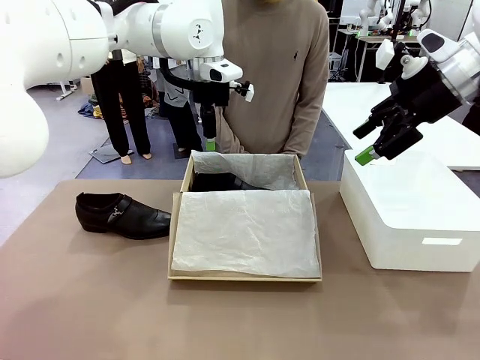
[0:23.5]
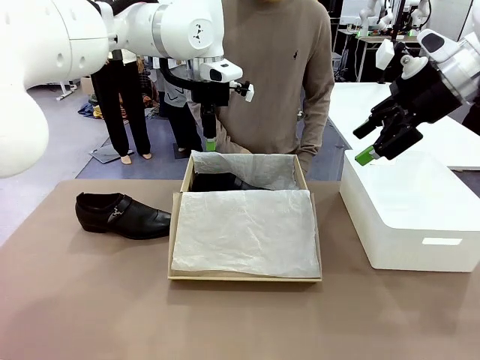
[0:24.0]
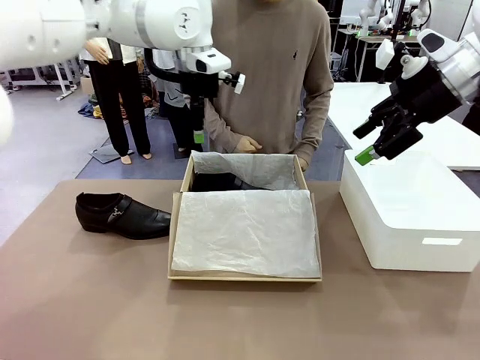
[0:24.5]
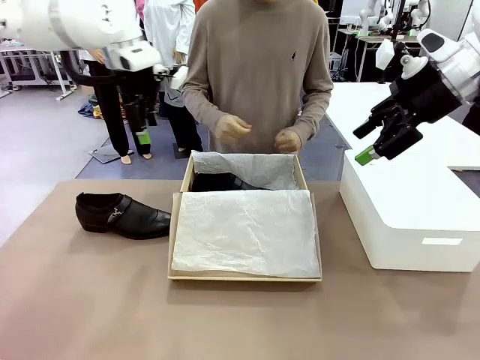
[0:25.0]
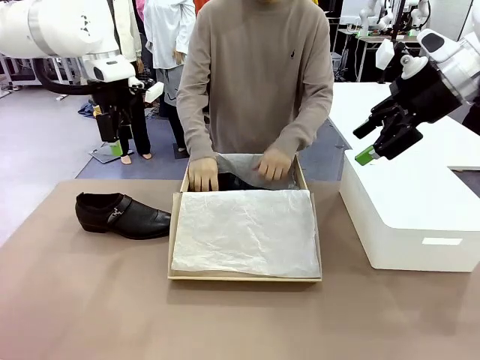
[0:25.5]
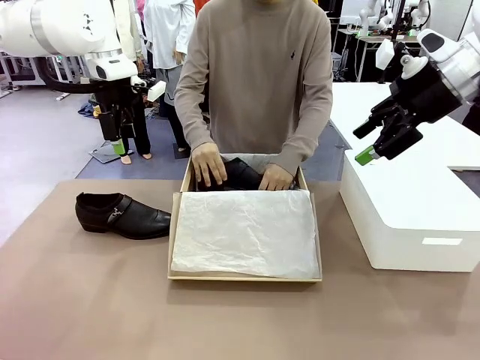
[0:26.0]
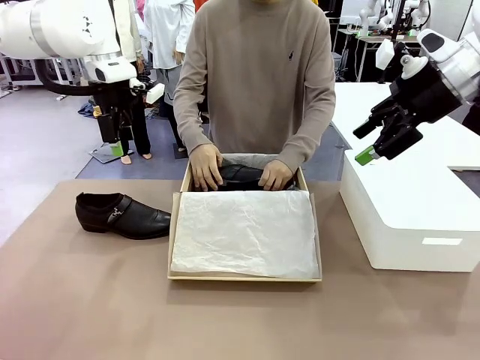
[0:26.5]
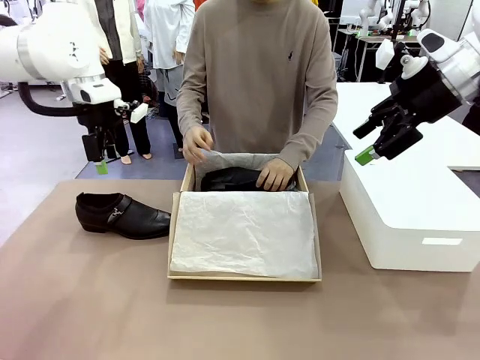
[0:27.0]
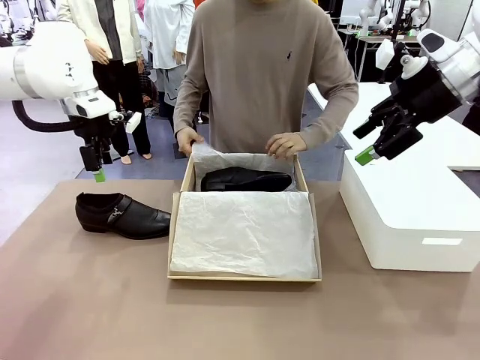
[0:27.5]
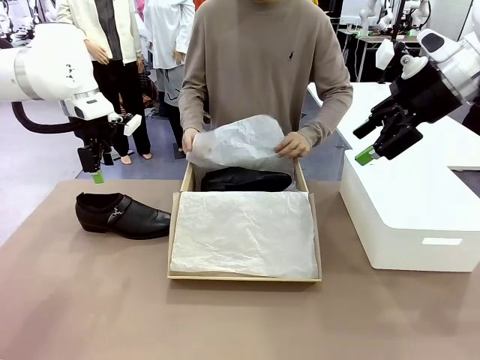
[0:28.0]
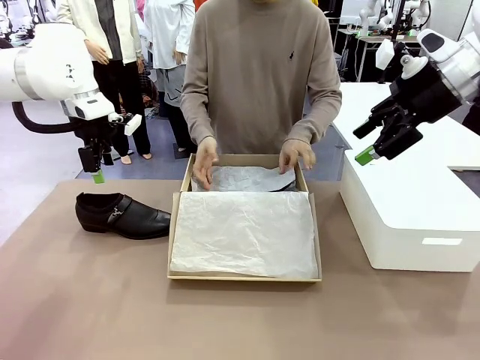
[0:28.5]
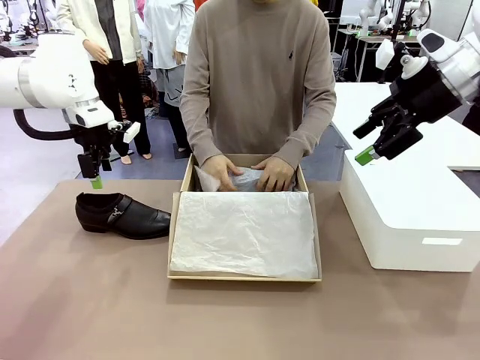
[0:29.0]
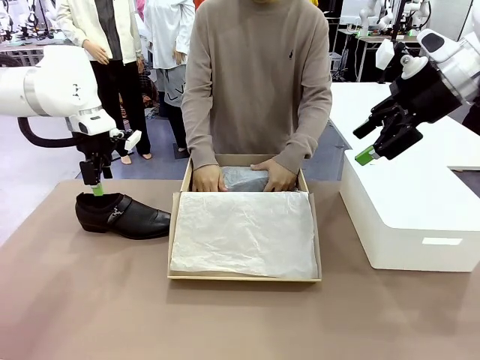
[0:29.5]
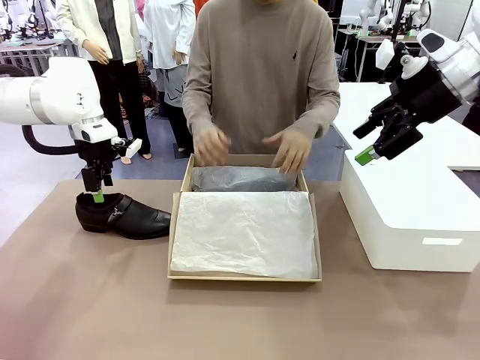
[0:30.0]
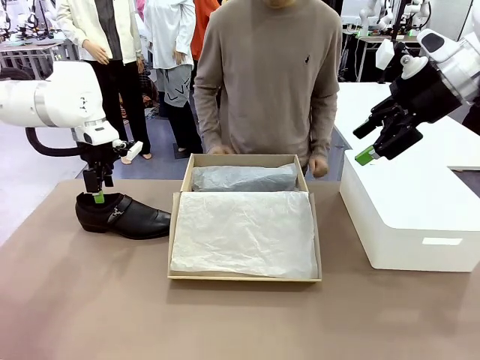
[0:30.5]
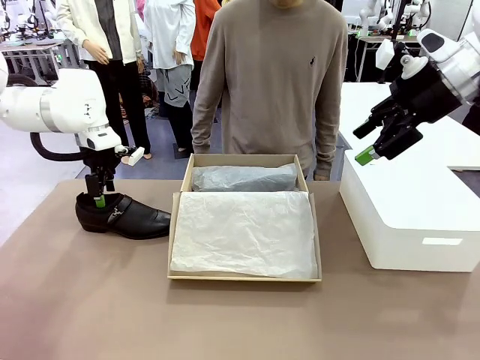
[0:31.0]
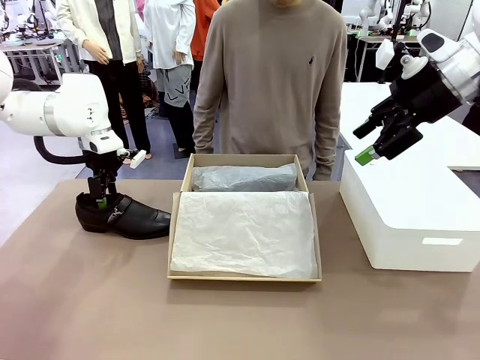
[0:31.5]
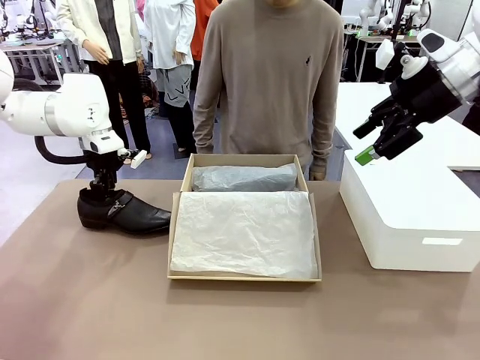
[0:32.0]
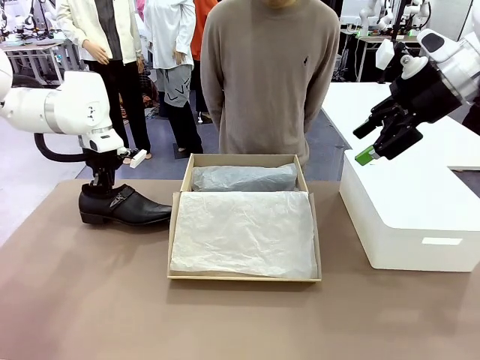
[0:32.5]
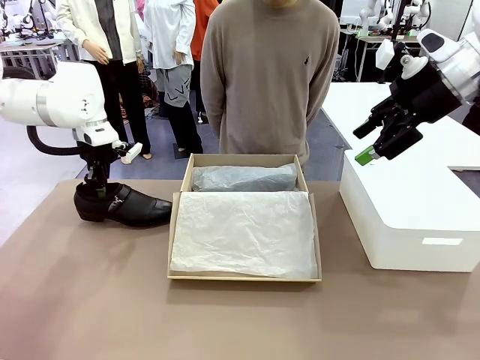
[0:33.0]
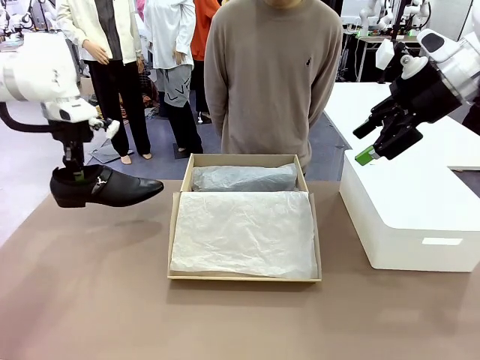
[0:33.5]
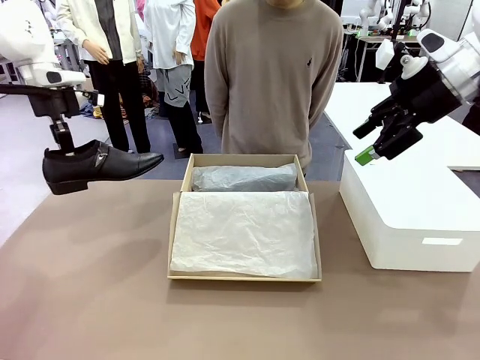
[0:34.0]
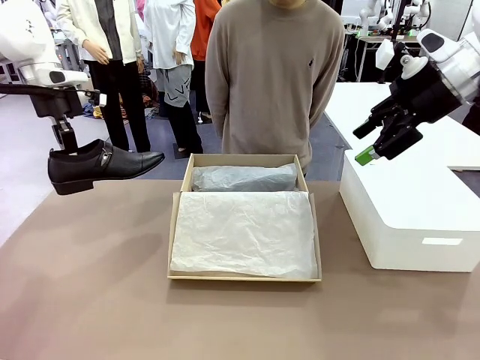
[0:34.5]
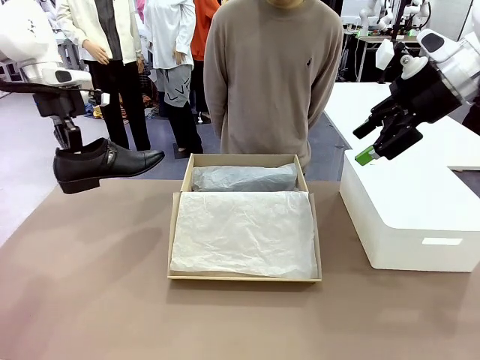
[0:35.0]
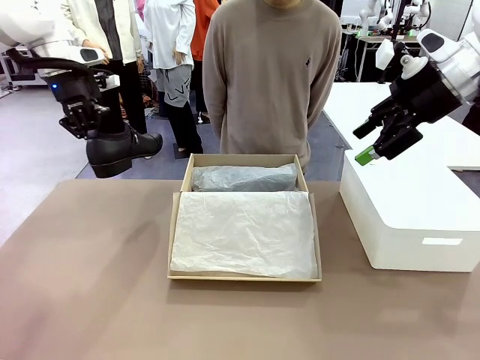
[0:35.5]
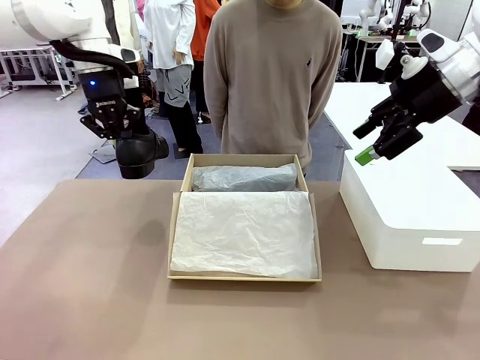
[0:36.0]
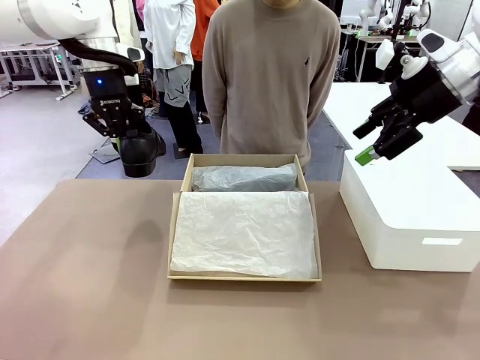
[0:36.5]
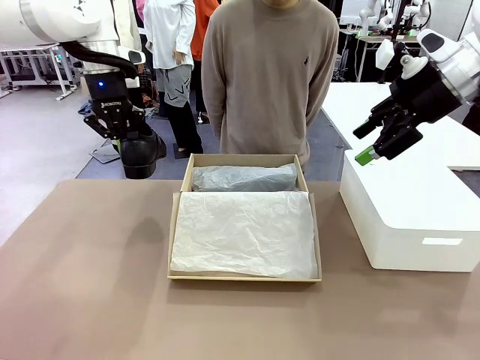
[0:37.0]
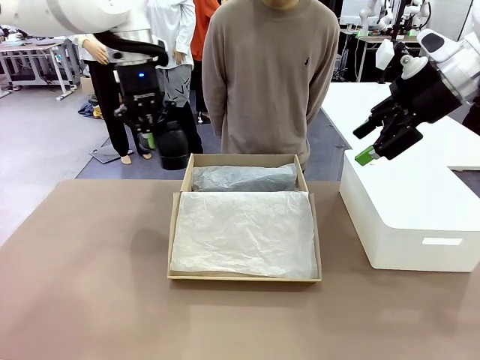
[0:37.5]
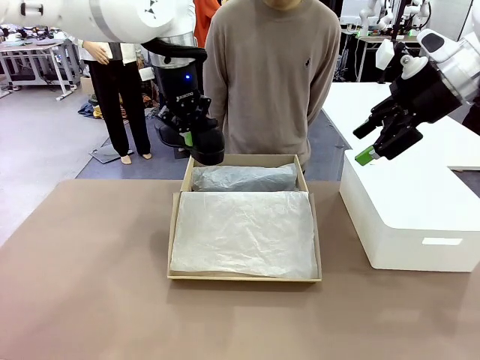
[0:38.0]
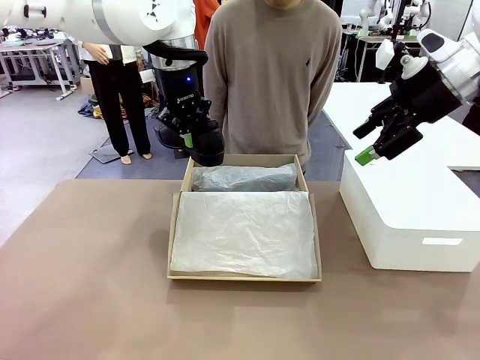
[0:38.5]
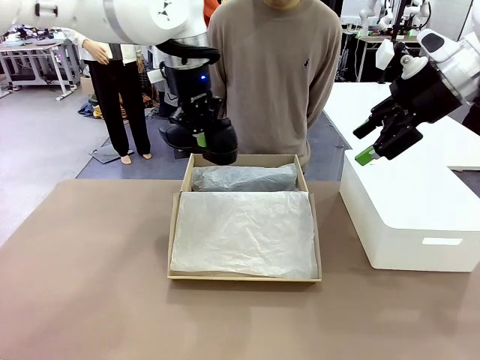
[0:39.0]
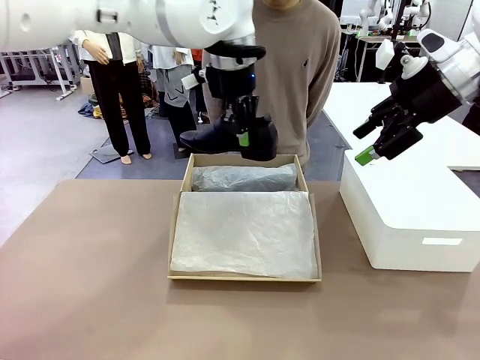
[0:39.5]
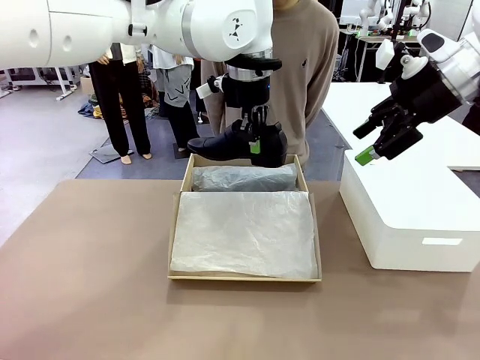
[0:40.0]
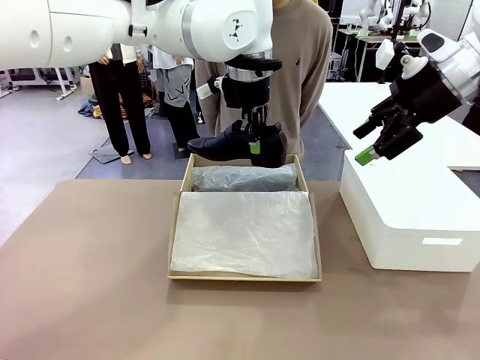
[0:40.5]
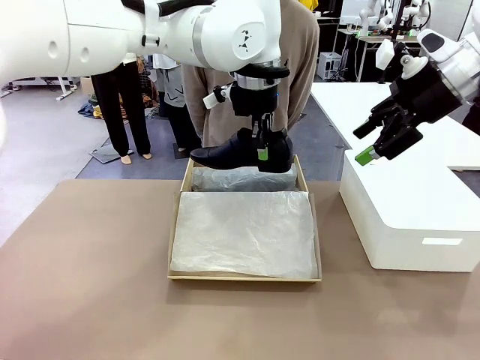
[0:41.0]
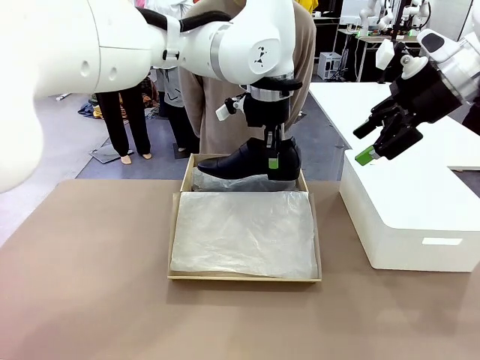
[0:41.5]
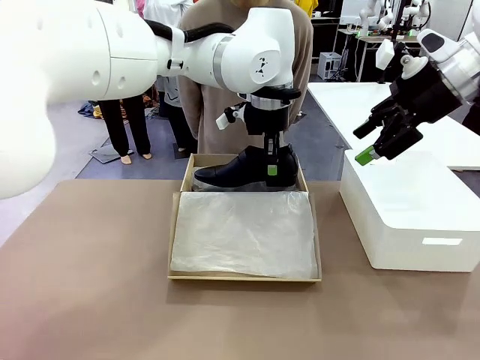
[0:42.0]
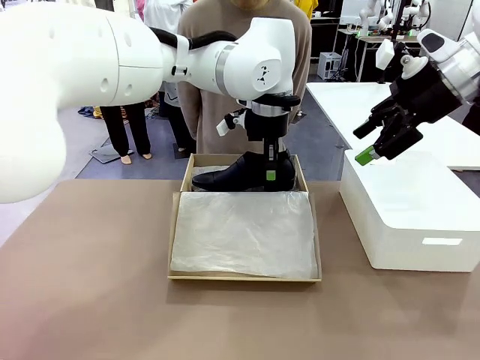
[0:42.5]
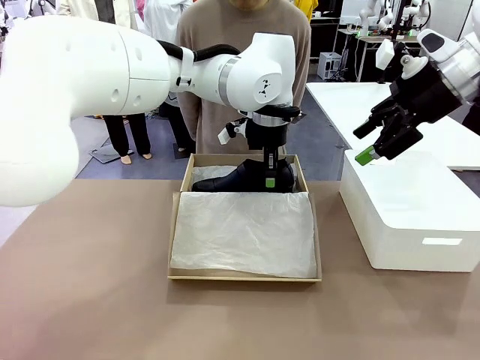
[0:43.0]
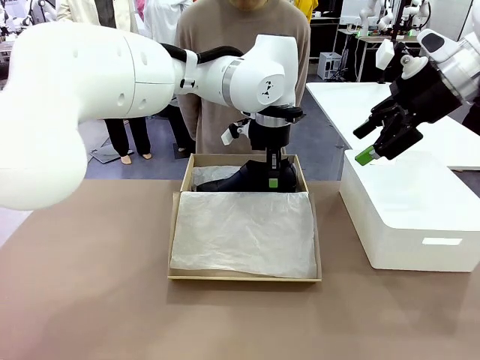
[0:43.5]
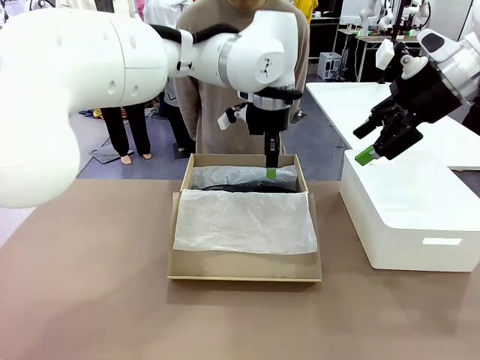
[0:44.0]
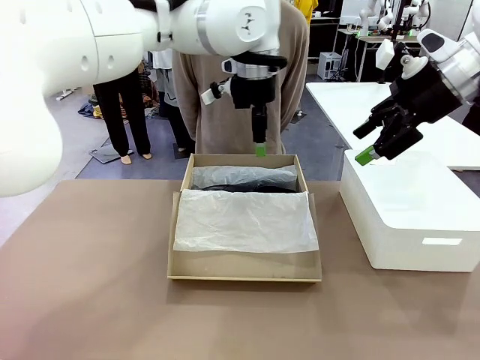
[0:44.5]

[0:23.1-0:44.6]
Task: Pack the shoes into the box.
Robot: Place the other shoe of the Shoes into the Shoes Box.
Person: Pack a shoe of Shoes inside the Shoes Box with Shoes Wrapping Paper.

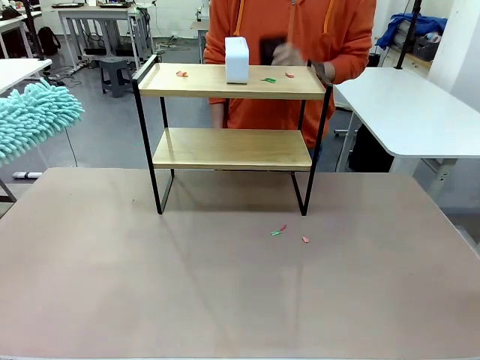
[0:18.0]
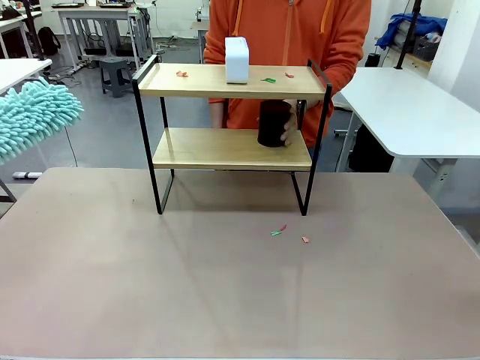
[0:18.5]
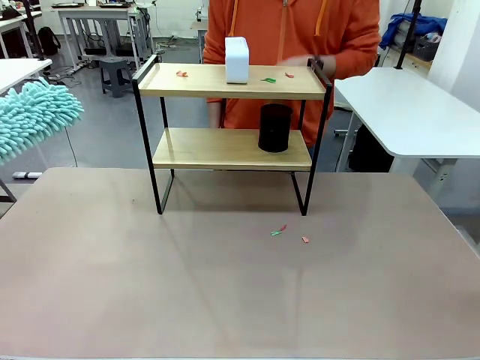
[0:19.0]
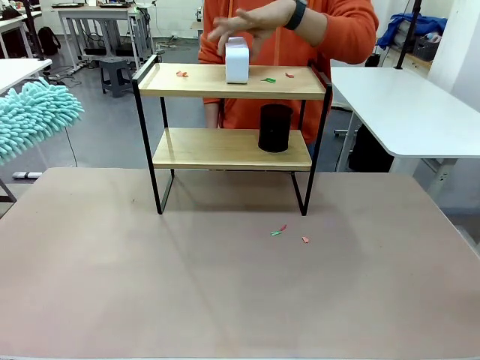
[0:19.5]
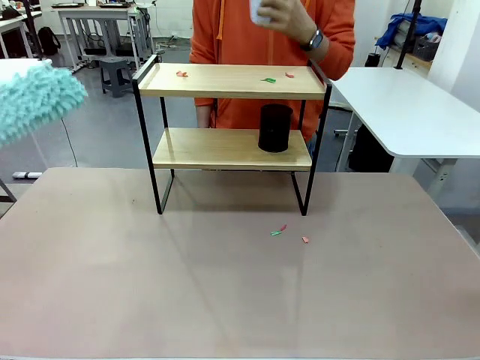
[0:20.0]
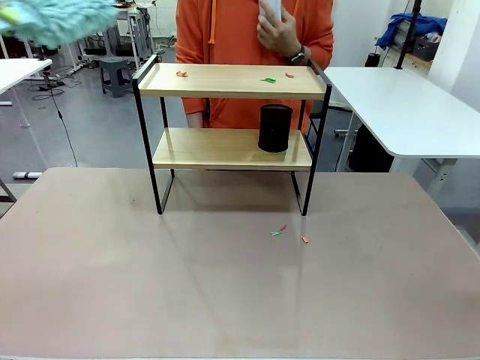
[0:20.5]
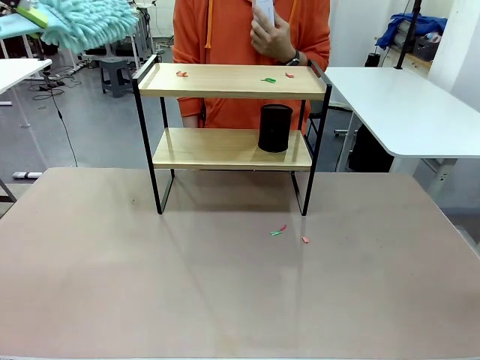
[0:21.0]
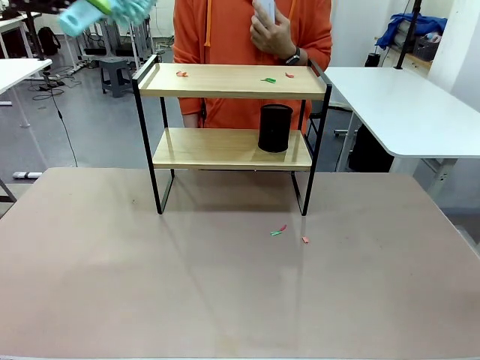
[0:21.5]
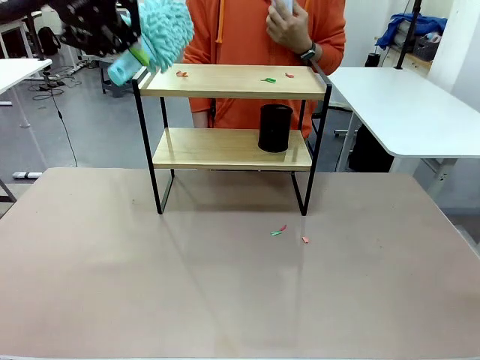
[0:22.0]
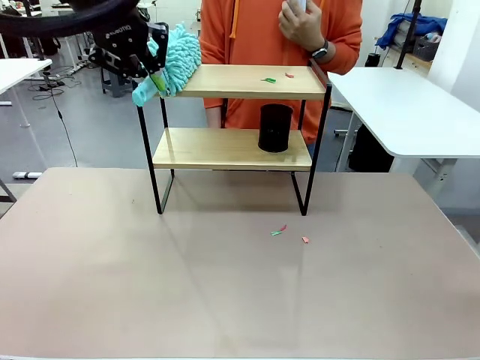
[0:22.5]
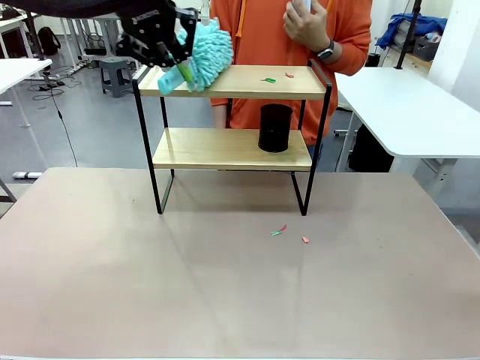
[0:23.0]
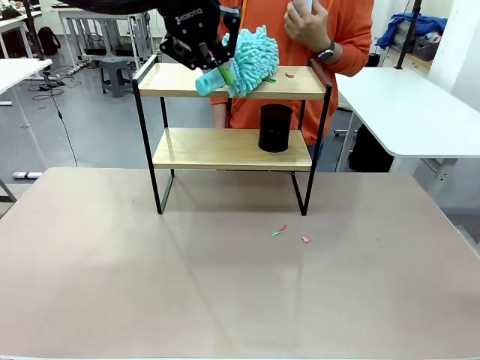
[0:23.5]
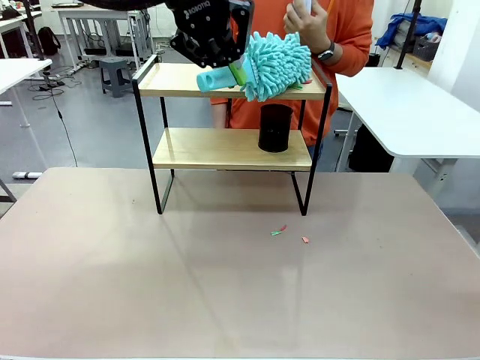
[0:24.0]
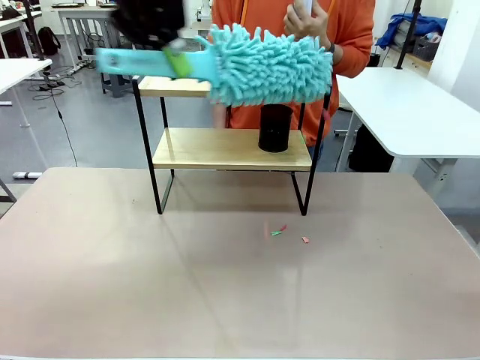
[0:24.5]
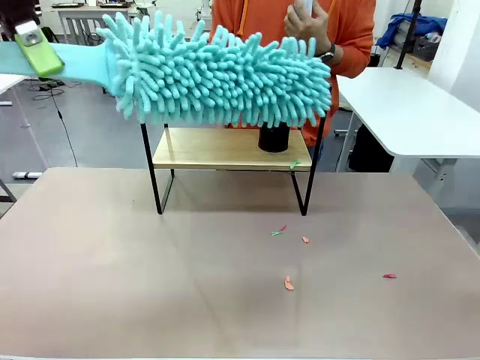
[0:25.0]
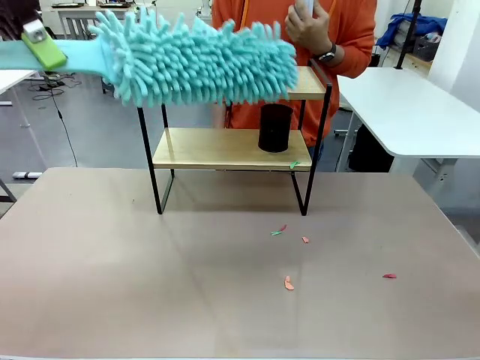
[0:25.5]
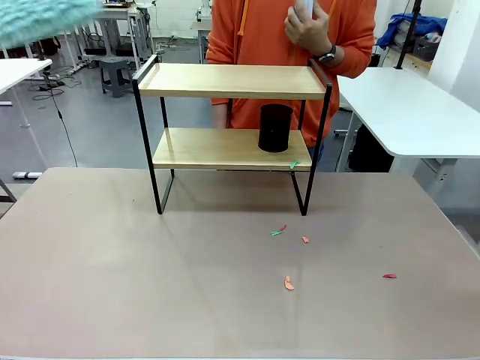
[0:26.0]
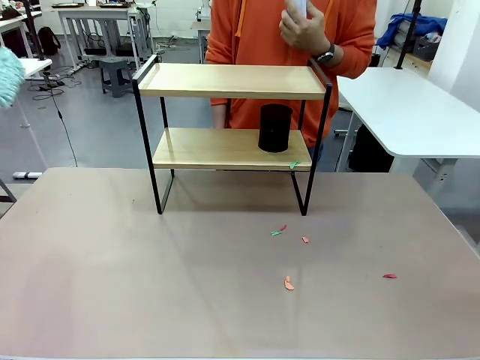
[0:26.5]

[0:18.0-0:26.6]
Task: Clean the shelf.
Robot: Clean the remaining tier of the Shelf with the Duster once objects are removed.
